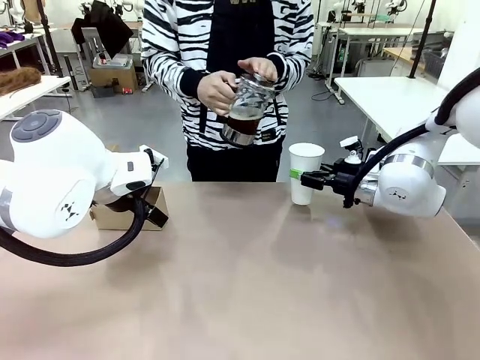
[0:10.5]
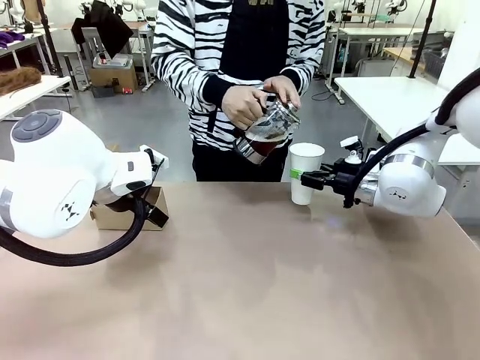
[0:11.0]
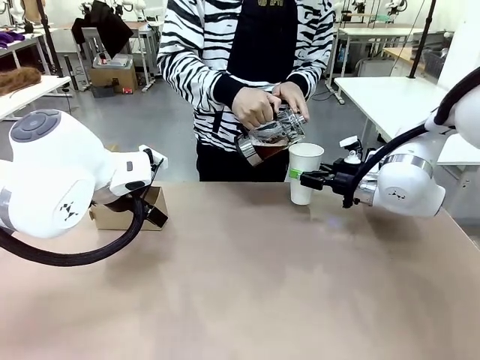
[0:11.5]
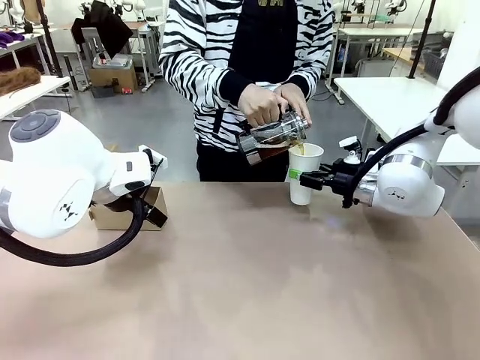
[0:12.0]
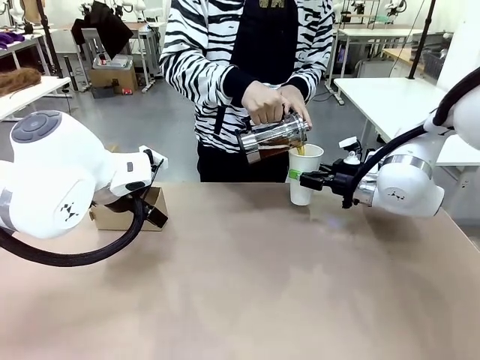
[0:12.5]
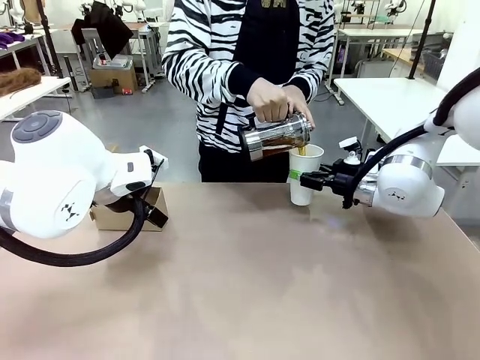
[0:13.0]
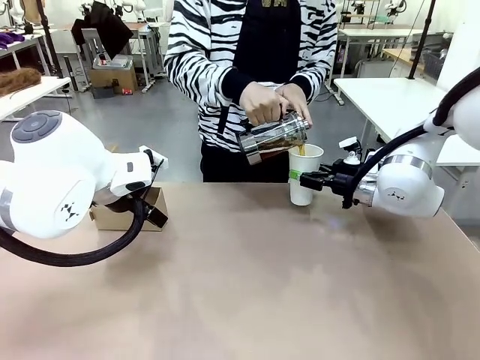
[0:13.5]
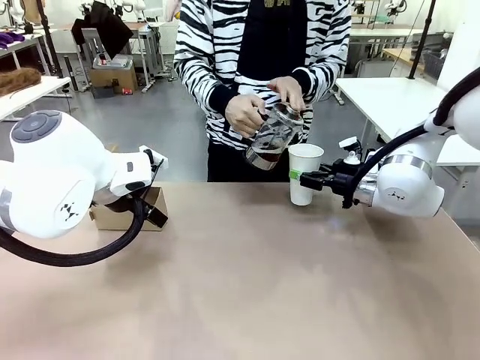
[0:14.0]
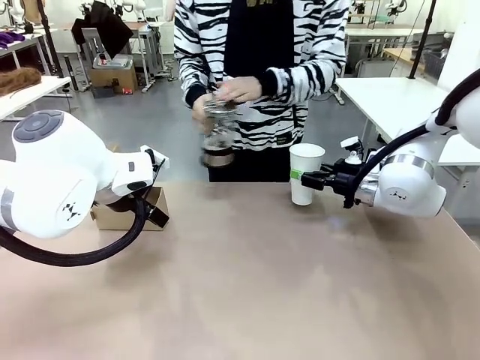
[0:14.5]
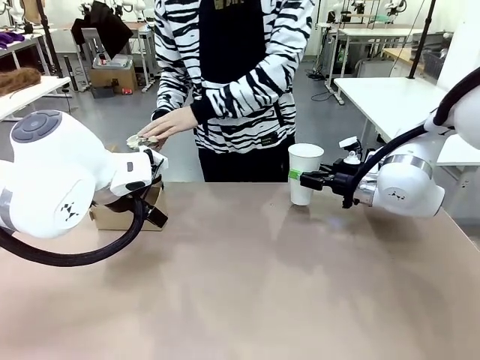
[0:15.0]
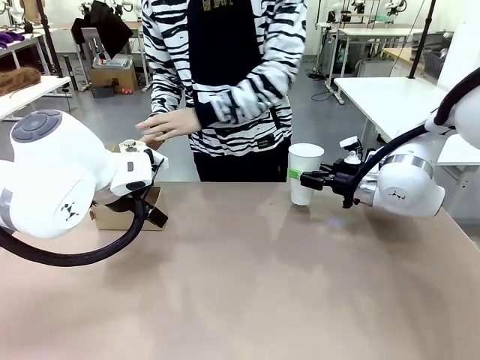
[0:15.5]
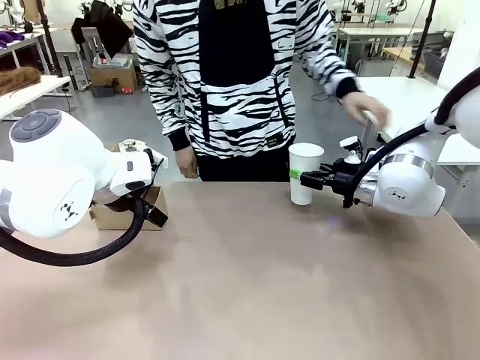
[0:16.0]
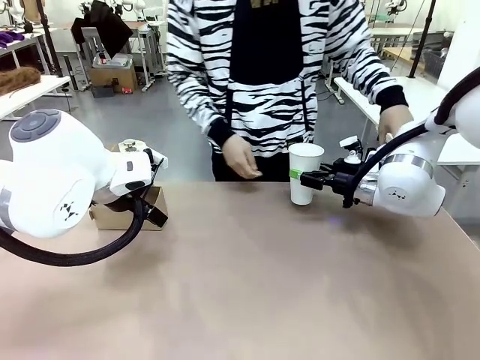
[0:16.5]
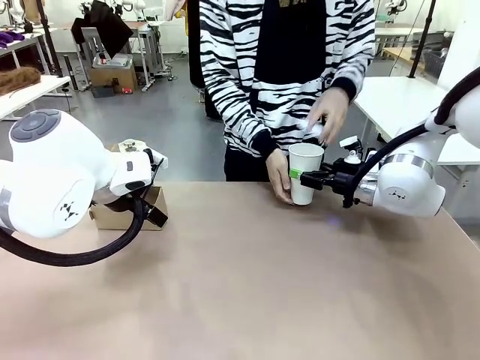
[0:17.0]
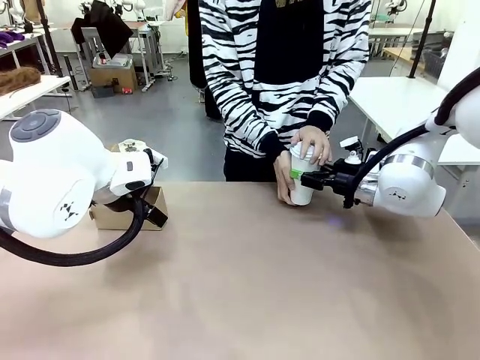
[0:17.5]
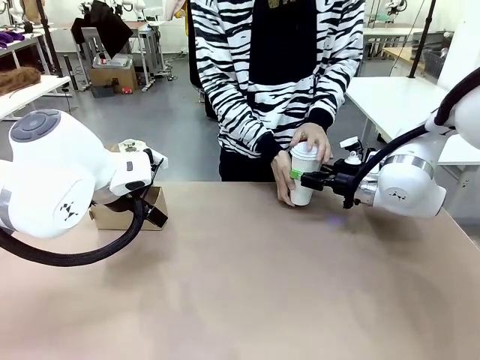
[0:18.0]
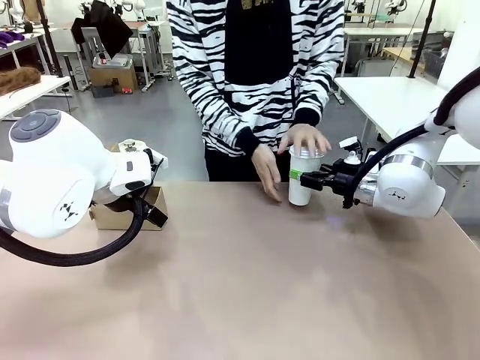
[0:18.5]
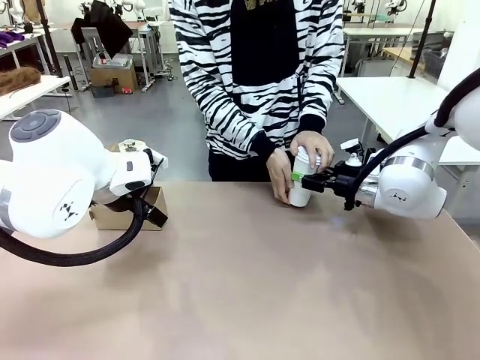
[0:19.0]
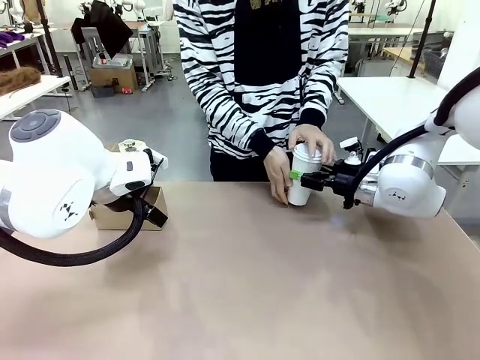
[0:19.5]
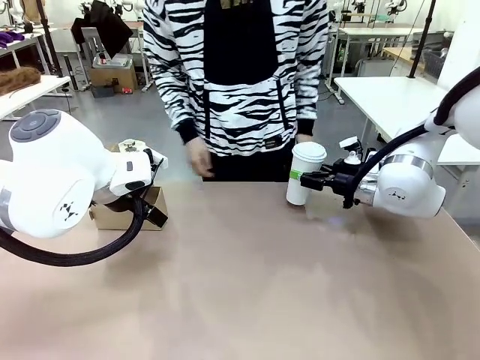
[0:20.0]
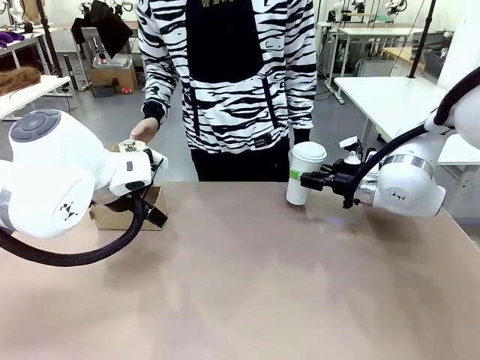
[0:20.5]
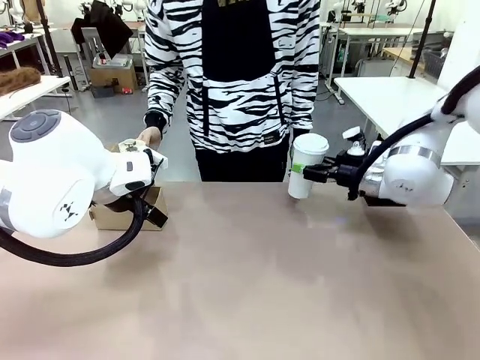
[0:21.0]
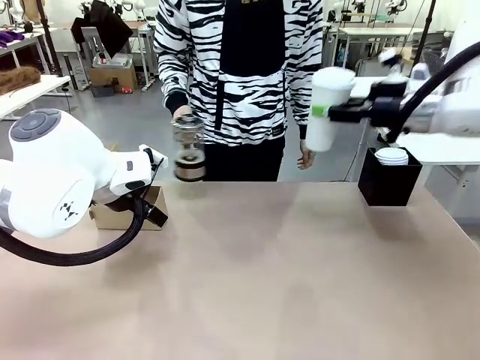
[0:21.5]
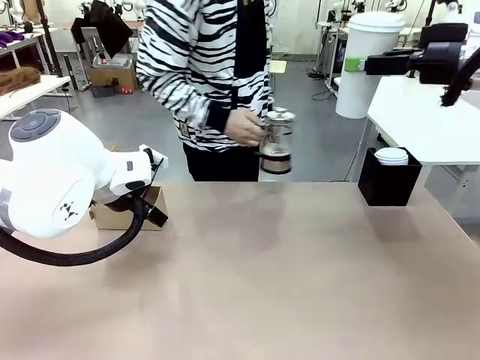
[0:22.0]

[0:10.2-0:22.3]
Task: Pour a drink into a cup and package it in a carrier.
Robot: When a person places the Paper Cup Lid on the 600 ml Paper Cup , lift the 600 ml Paper Cup.
Person: Pour the drink from the Filter Brewing into the 600 ml Paper Cup. Place a Paper Cup Lid on the 600 ml Paper Cup.

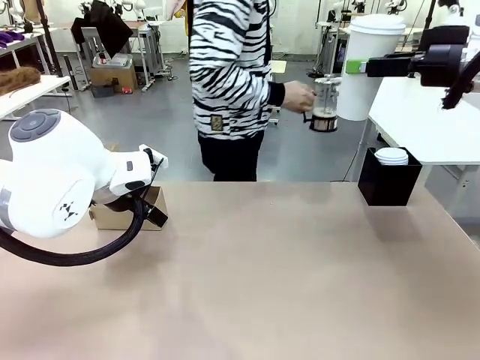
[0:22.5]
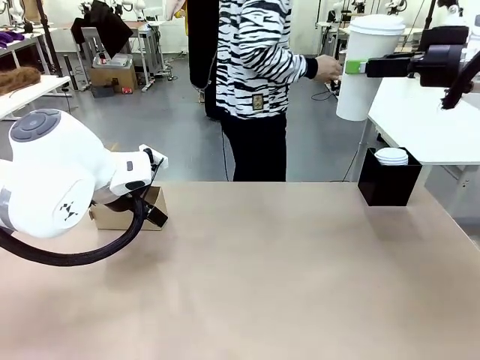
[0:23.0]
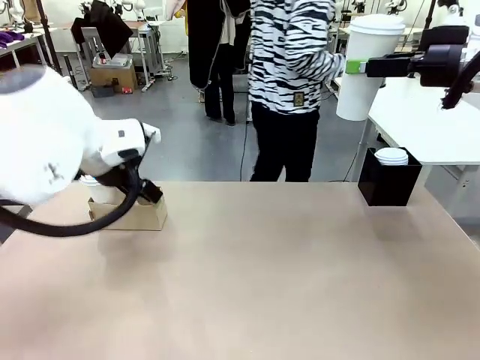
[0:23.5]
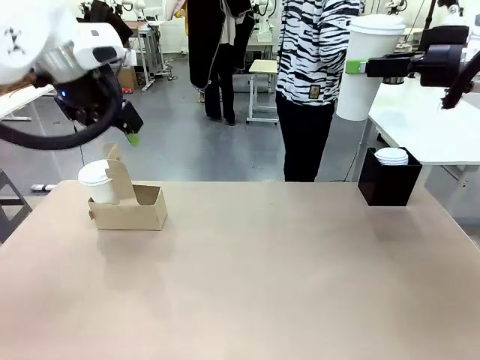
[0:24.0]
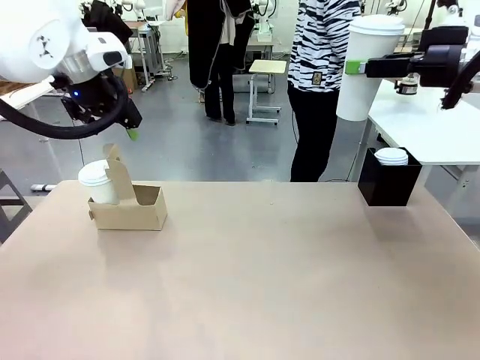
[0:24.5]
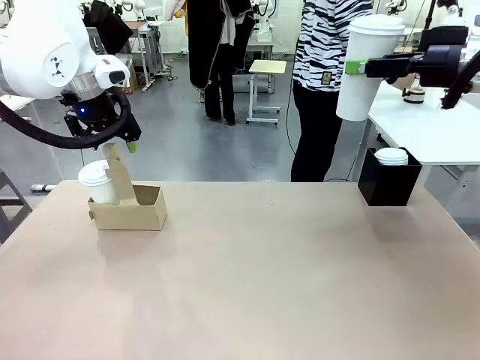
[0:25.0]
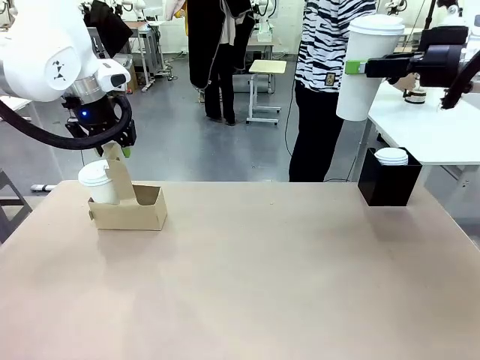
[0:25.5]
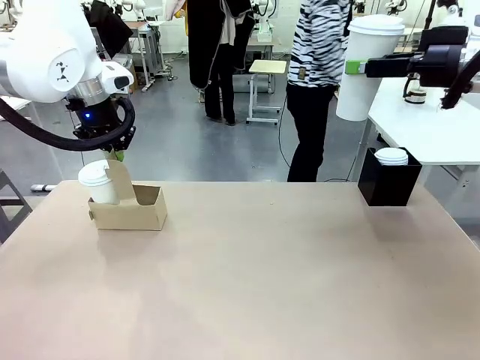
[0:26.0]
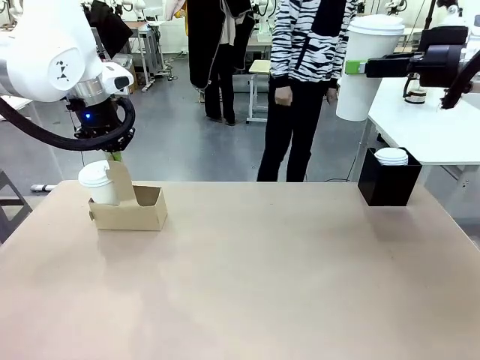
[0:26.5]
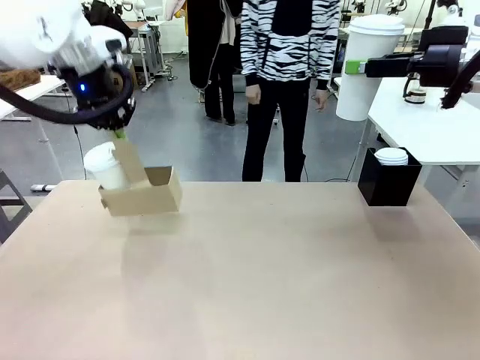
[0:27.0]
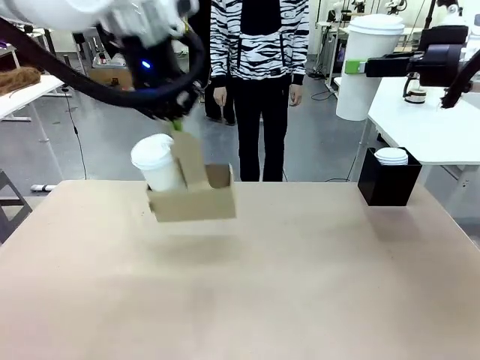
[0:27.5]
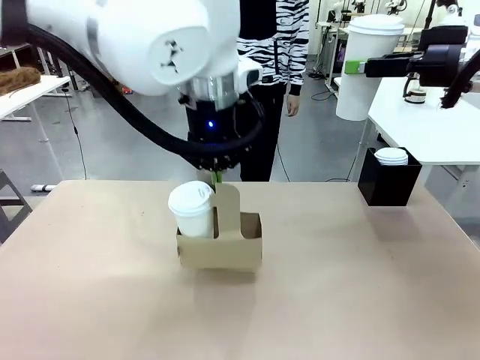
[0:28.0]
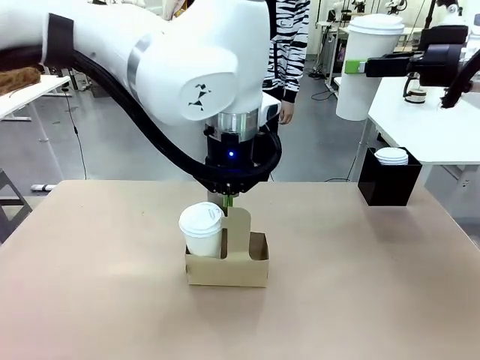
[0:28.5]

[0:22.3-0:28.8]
Robot: Position the Cup Carrier in the center of the table.
Person: Pick up the Filter Brewing and place on the middle of Human table, and return to the Robot table.

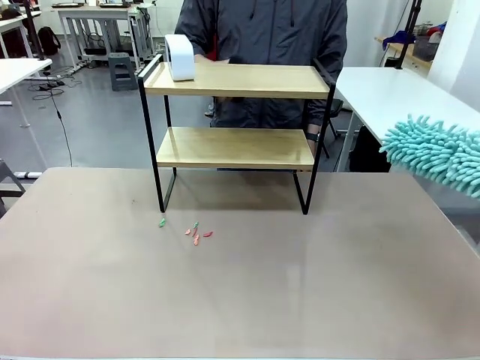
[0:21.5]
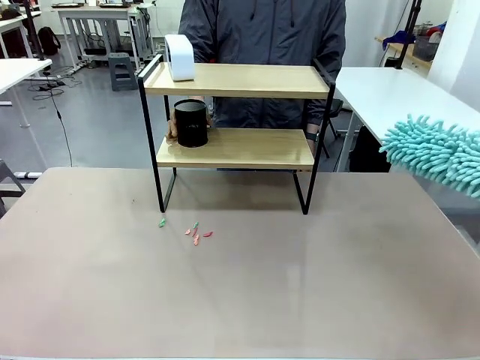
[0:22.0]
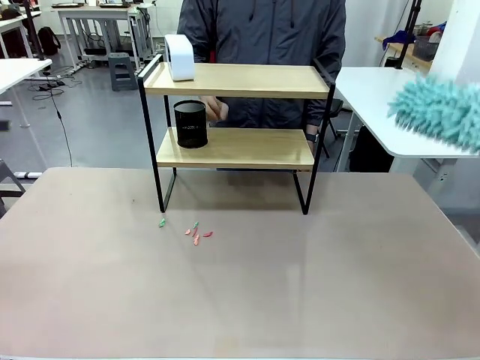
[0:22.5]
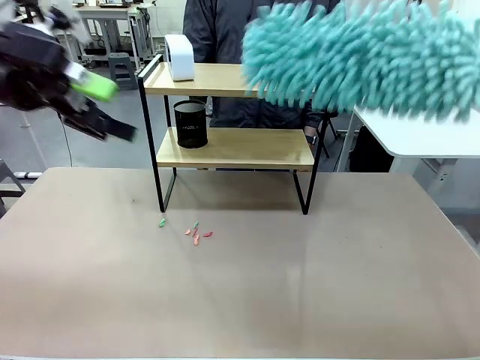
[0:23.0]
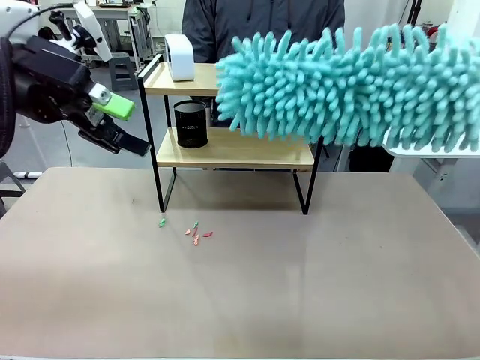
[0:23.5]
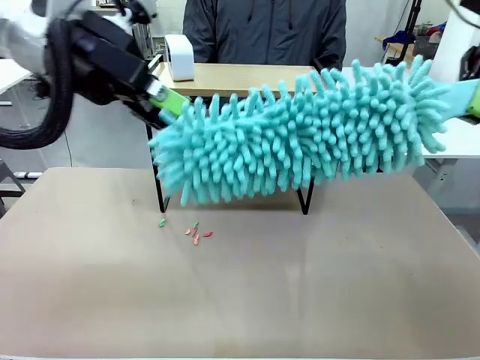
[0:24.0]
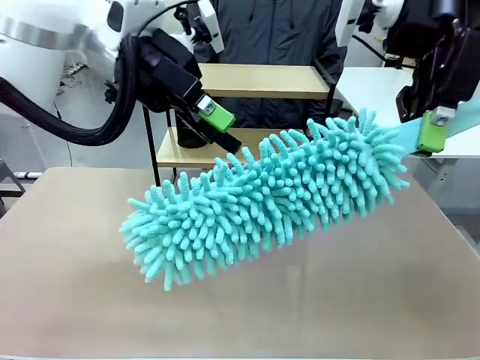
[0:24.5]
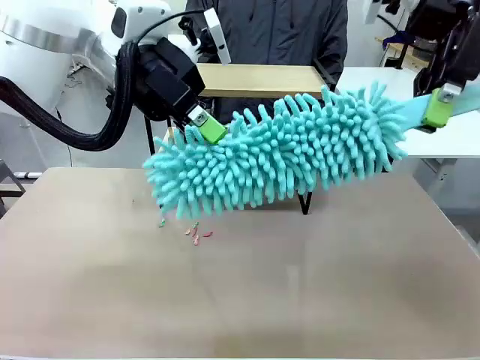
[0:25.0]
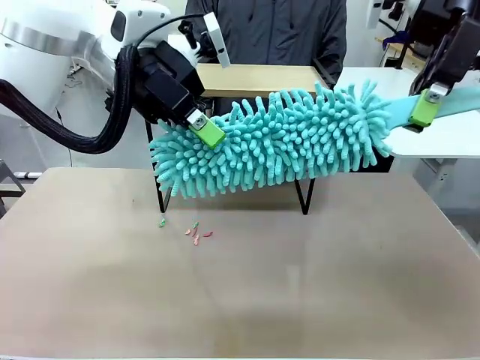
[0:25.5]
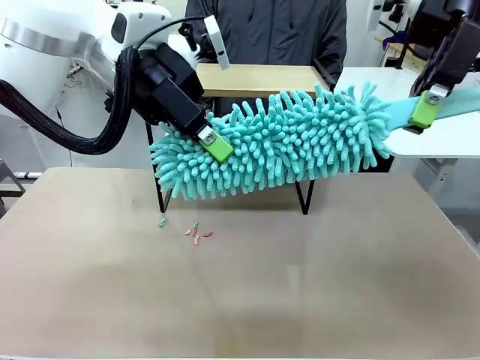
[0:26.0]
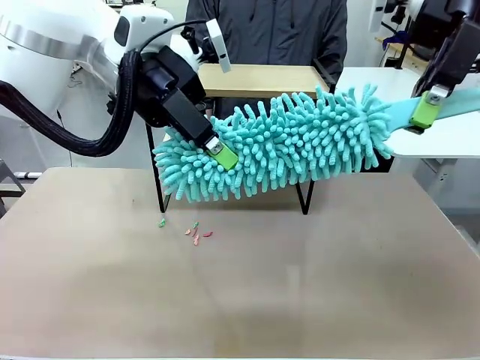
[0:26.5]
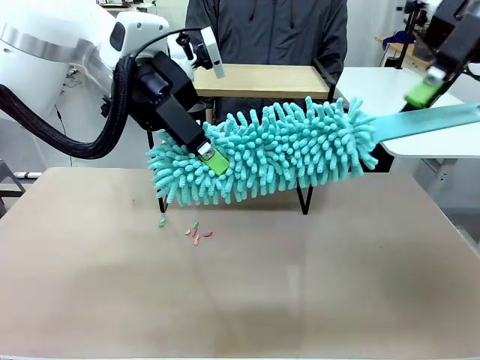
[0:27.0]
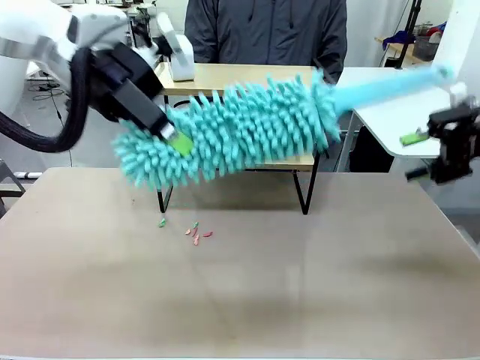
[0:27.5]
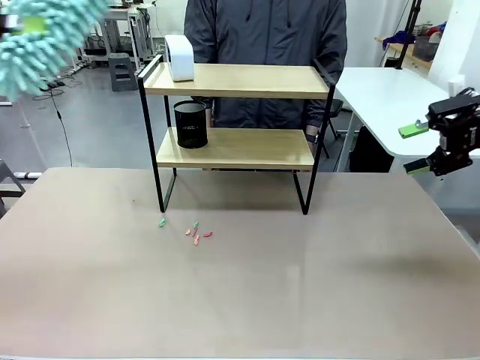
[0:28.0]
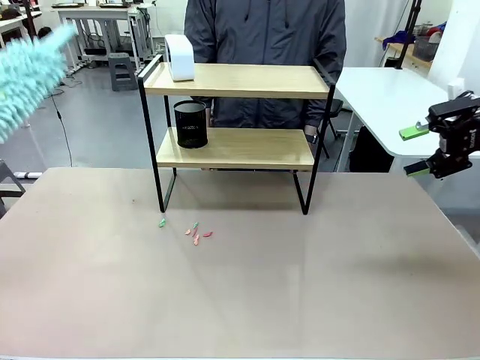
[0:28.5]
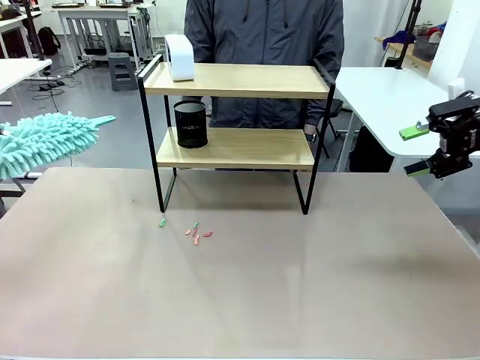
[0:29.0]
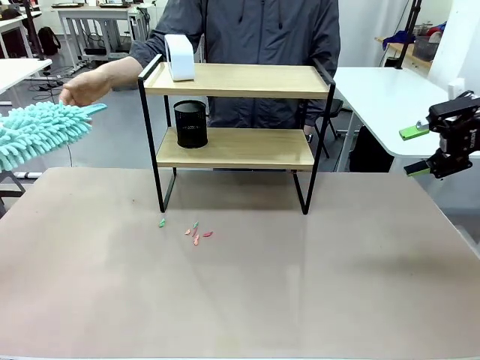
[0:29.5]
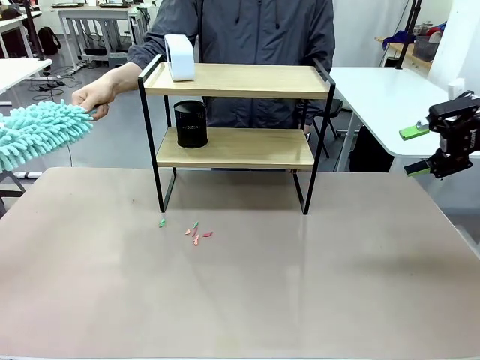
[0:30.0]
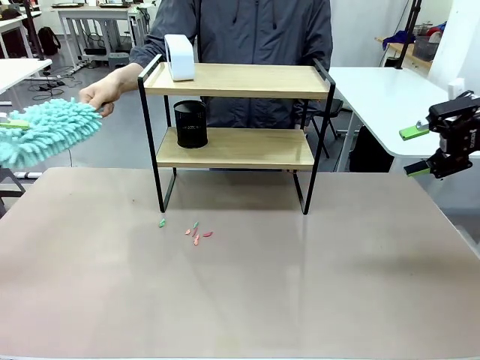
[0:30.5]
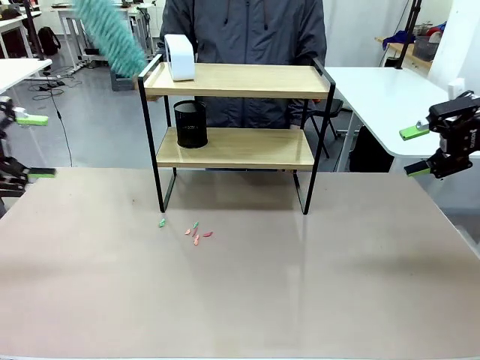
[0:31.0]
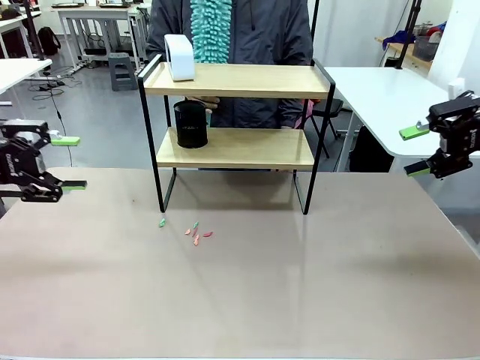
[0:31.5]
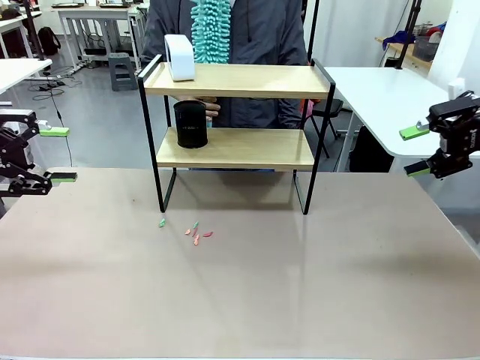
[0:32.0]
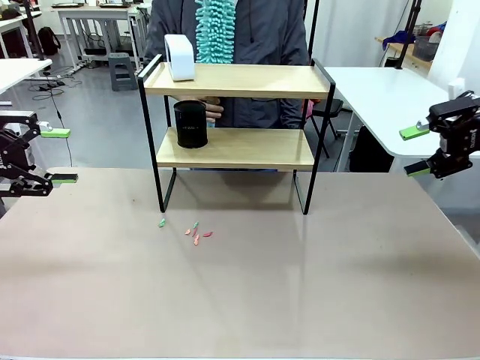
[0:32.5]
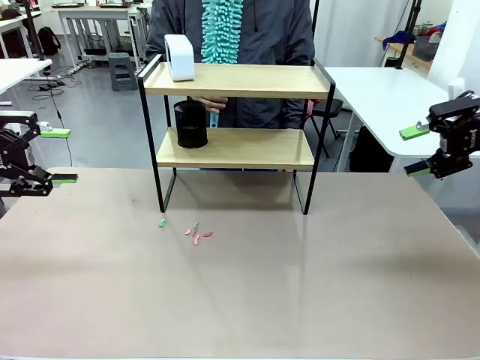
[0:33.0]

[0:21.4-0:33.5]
Task: Clean the shelf.
Robot: Hand the Duster back to the human.
Person: Receive the Duster from the robot.
